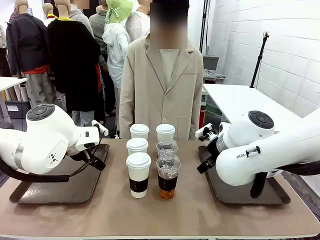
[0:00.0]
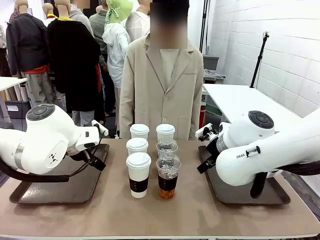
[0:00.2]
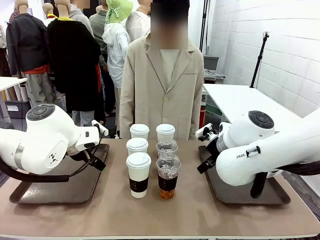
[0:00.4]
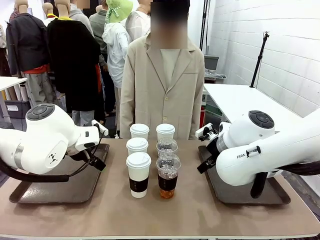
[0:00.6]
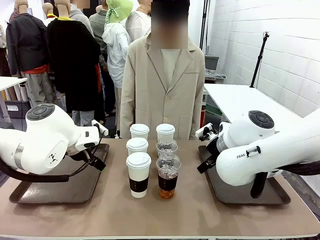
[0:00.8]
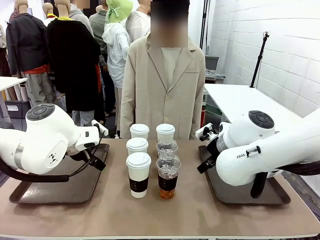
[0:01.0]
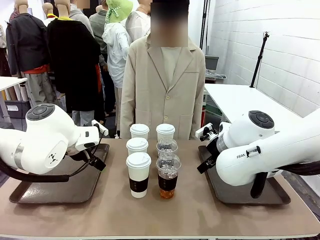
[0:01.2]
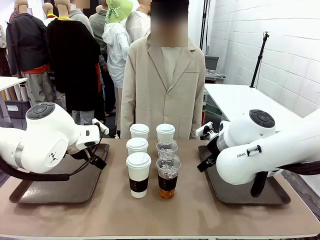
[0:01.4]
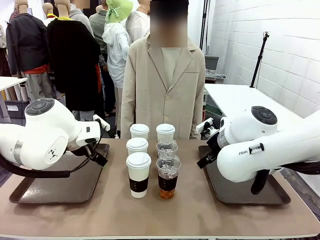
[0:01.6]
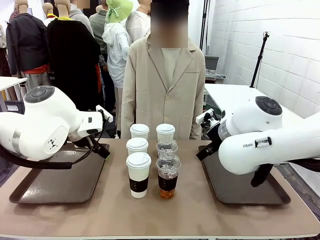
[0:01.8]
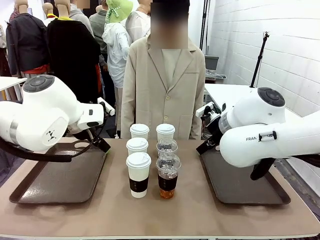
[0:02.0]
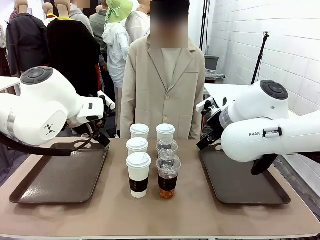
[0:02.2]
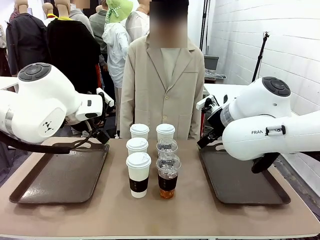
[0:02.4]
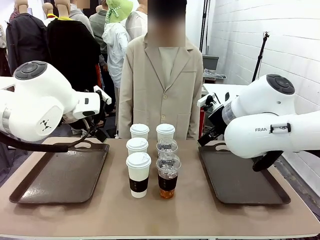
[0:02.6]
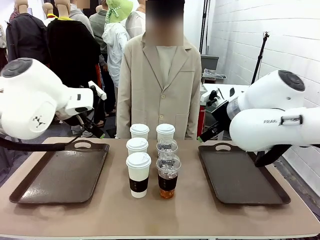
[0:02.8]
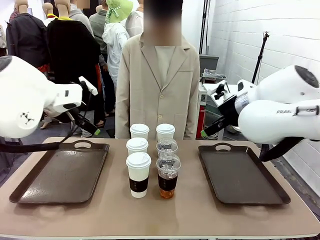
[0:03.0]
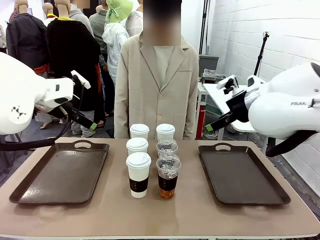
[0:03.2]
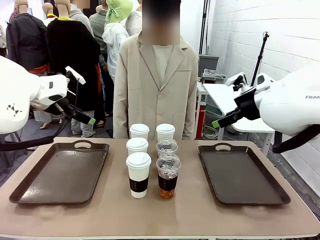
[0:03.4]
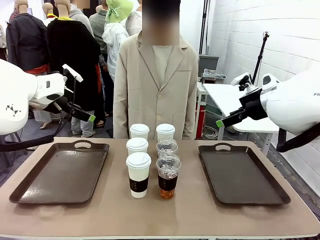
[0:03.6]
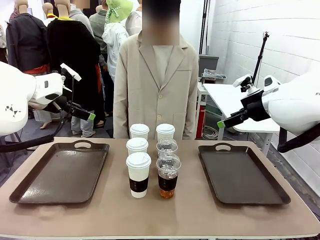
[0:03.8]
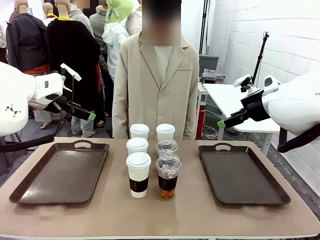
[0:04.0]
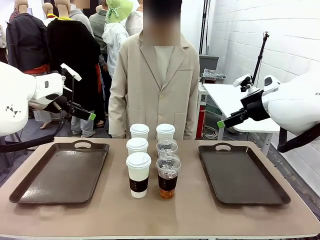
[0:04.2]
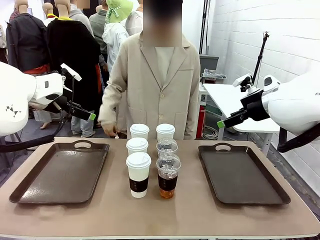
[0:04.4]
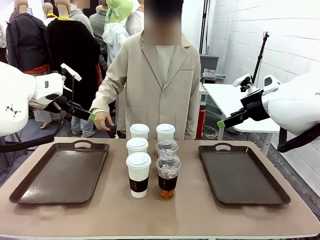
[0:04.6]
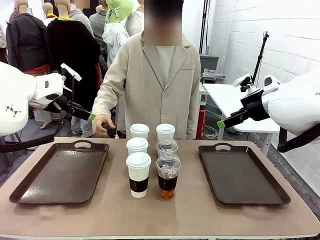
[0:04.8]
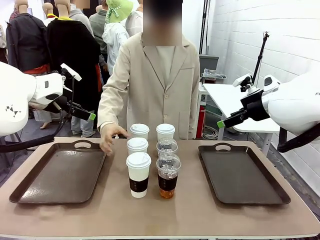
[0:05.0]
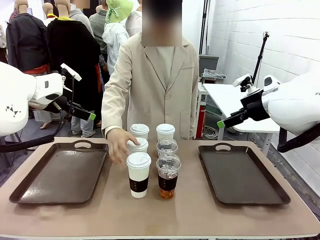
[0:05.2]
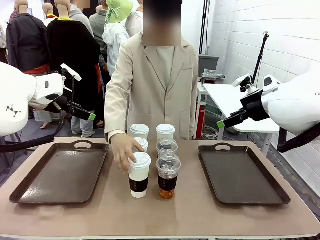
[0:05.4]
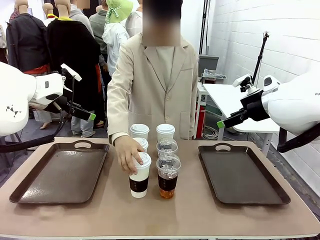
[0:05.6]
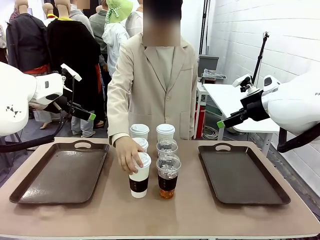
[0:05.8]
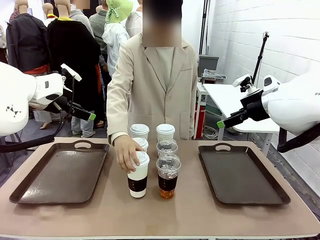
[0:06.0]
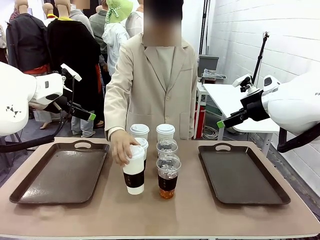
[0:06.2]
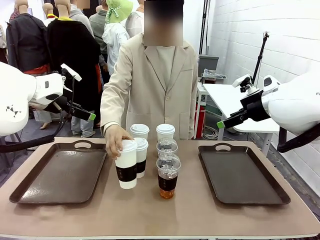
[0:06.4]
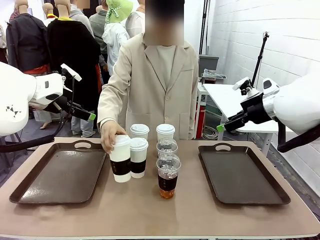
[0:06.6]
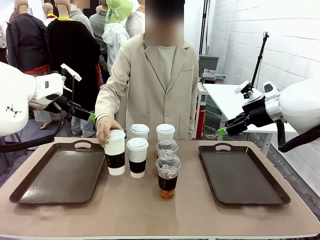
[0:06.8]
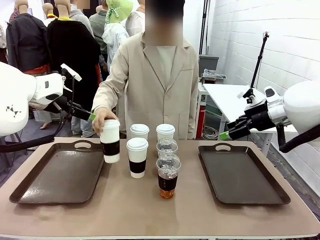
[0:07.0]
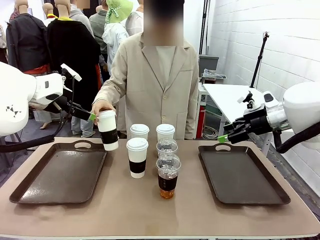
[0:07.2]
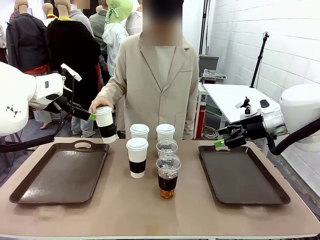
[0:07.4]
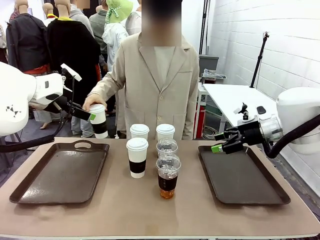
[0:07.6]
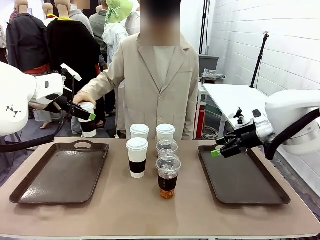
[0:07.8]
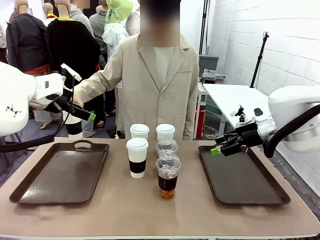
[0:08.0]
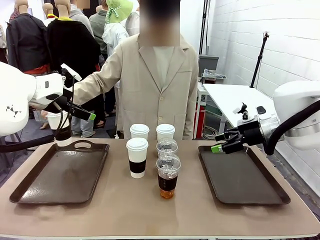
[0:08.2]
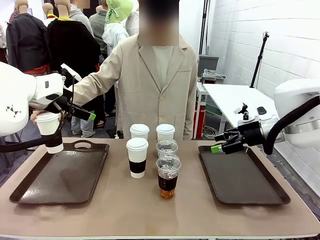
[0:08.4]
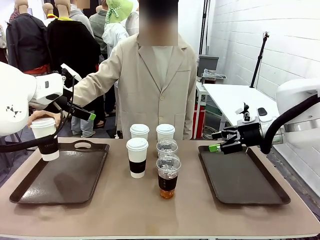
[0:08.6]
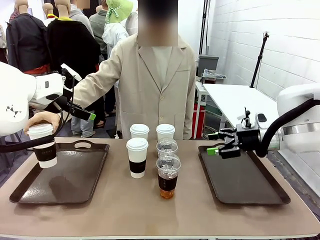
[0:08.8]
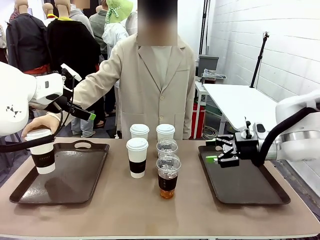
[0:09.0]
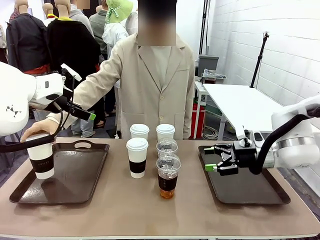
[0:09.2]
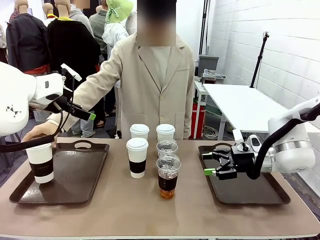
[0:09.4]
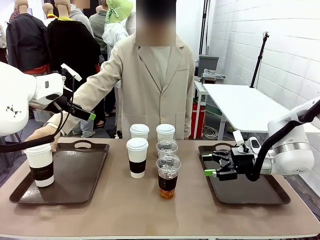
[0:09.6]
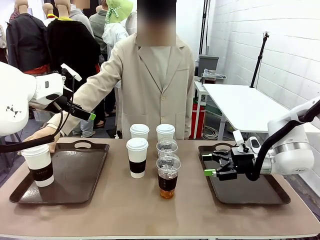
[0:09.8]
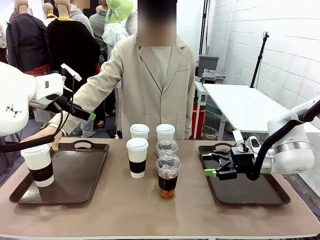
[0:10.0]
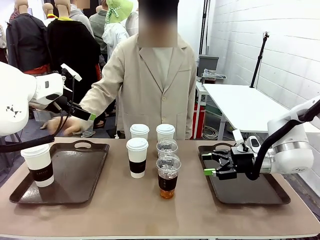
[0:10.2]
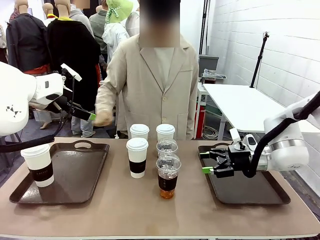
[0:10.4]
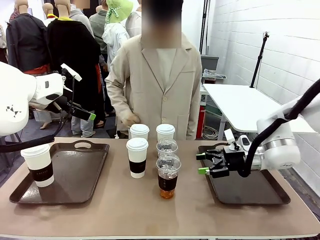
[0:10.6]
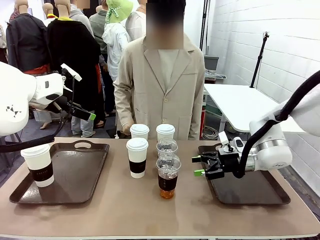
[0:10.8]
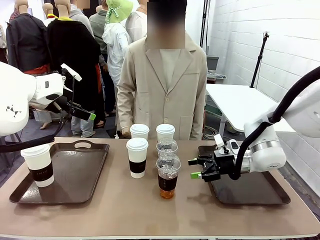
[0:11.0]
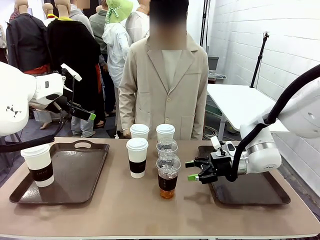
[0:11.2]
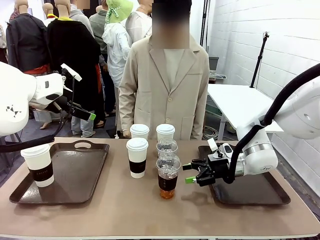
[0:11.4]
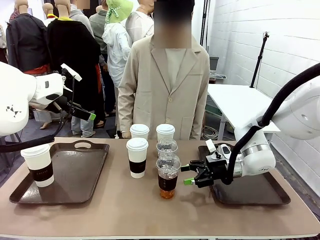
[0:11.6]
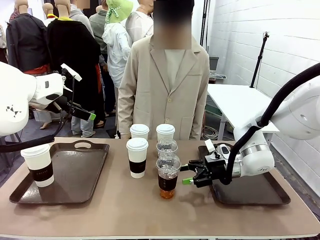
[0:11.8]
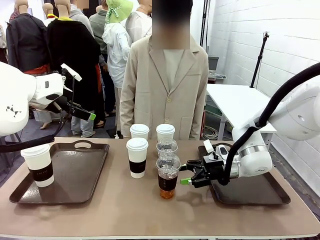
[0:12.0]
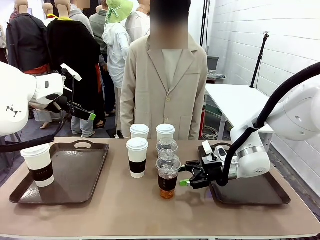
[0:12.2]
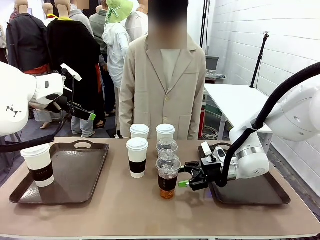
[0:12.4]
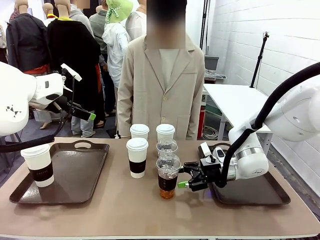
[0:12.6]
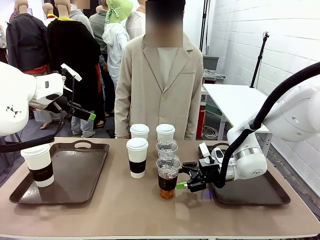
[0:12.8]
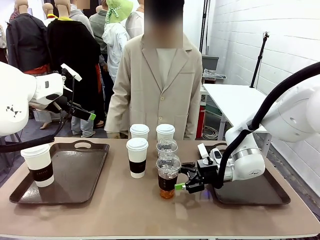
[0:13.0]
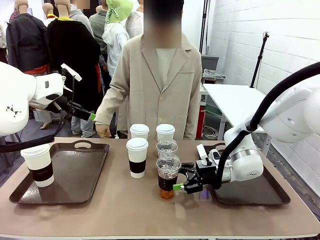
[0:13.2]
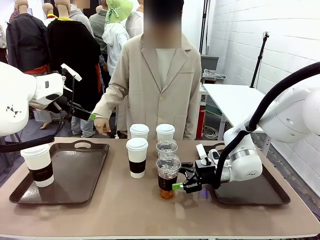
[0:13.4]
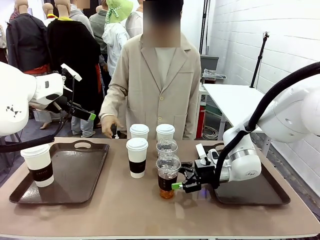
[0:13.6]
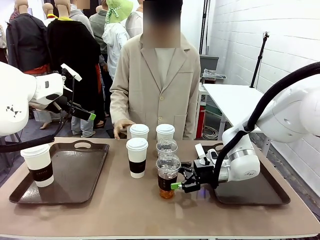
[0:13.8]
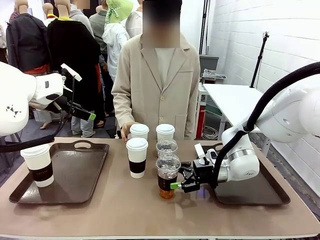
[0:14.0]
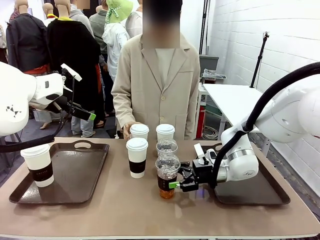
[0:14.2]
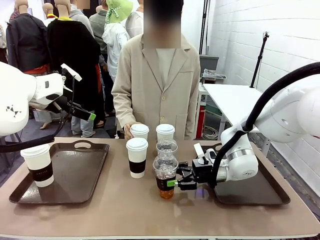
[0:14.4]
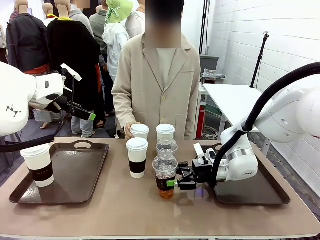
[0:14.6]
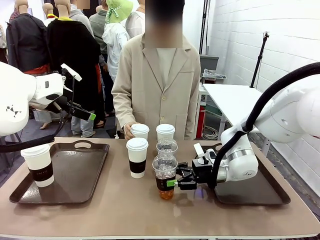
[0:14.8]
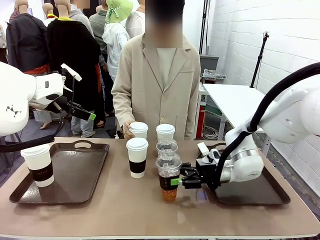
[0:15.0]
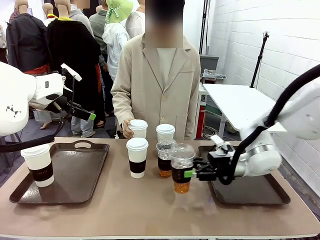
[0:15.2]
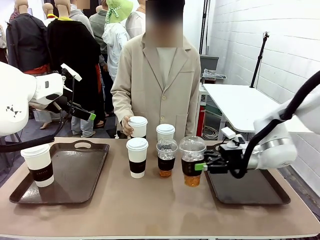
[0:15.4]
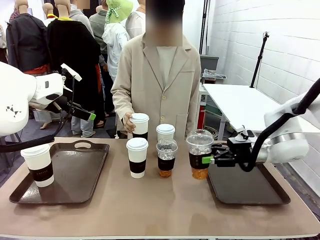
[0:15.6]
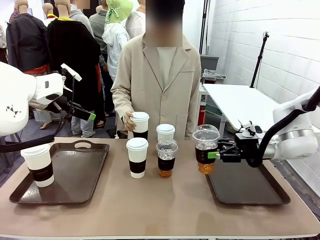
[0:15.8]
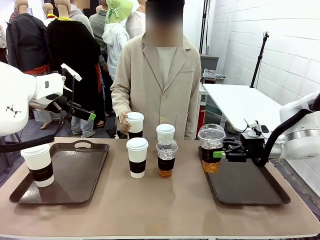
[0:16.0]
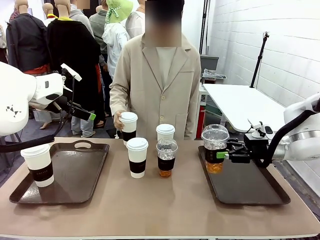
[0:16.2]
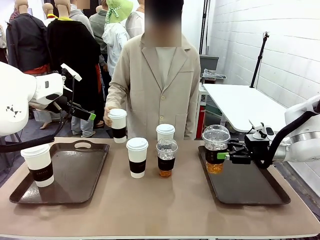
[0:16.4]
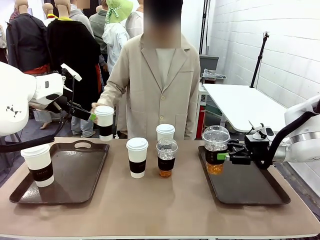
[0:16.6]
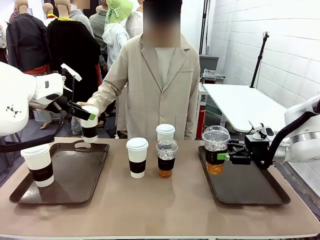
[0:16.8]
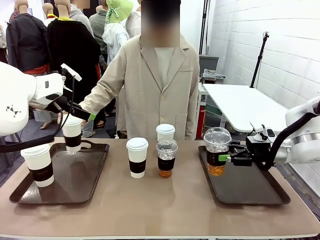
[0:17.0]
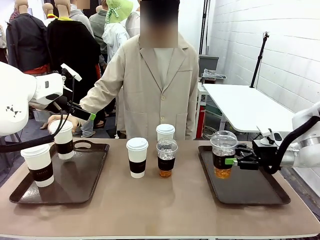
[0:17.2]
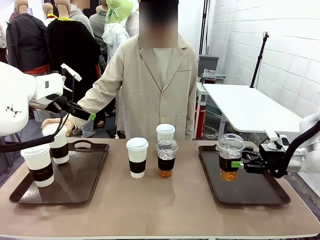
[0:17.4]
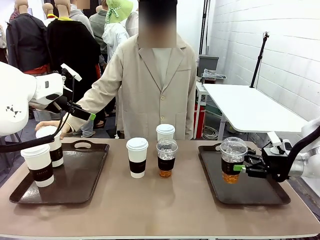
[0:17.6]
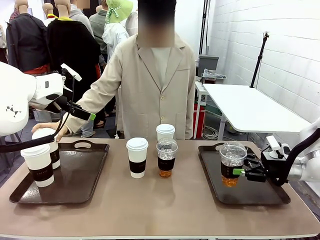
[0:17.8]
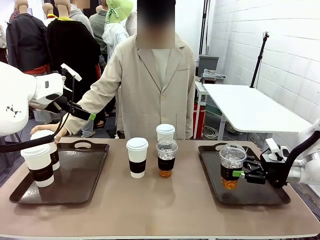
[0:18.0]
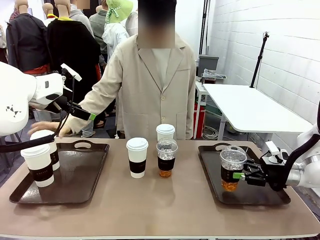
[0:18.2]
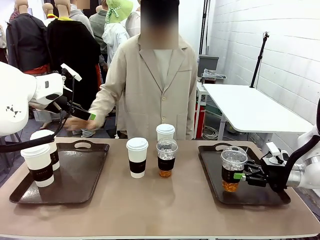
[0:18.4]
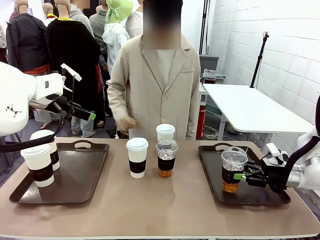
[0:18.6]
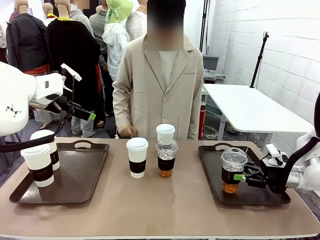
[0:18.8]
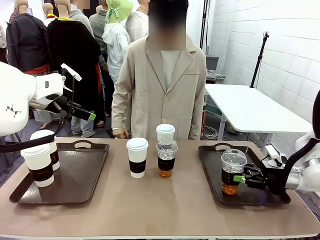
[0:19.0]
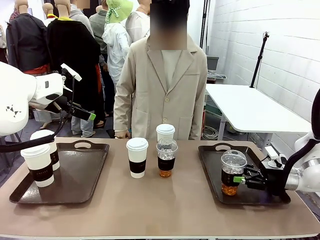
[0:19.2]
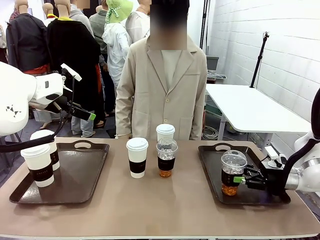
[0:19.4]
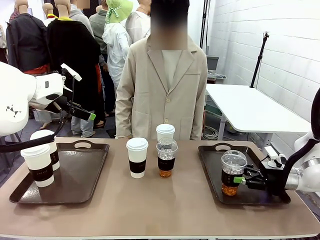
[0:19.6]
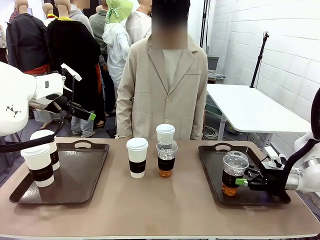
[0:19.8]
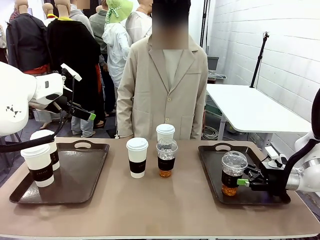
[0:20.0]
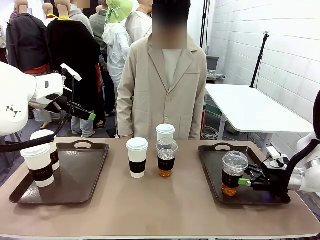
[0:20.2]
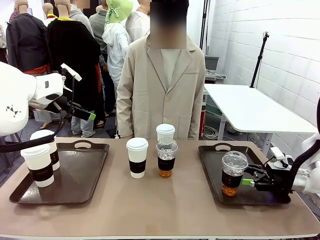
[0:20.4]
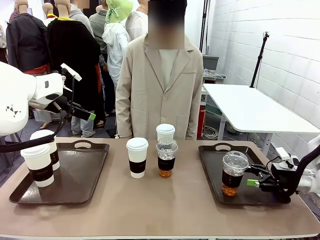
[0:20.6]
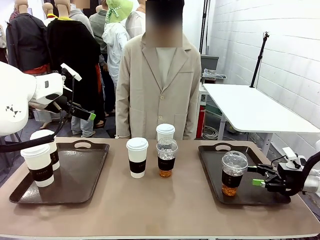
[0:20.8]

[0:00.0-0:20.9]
Task: Distribute the coffee onto the tray.
Robot: Pick up one iced Americano and place it on the right Handle tray.
Person: Pick up a cup of hot Americano and place it on the right tray.
